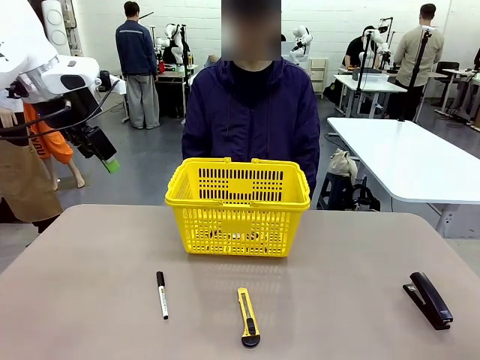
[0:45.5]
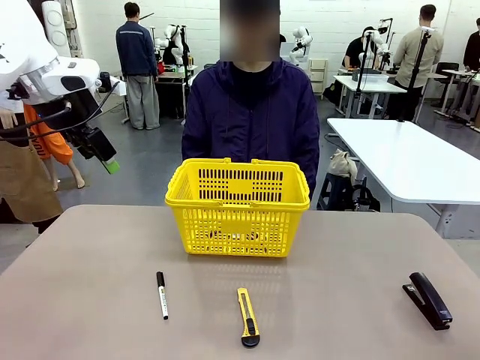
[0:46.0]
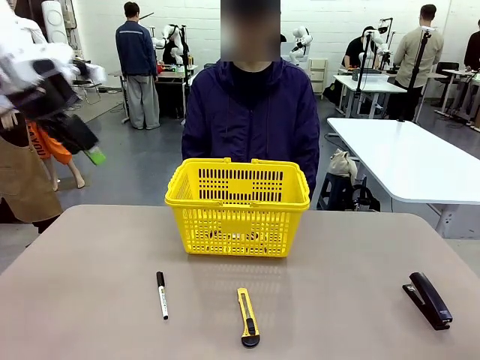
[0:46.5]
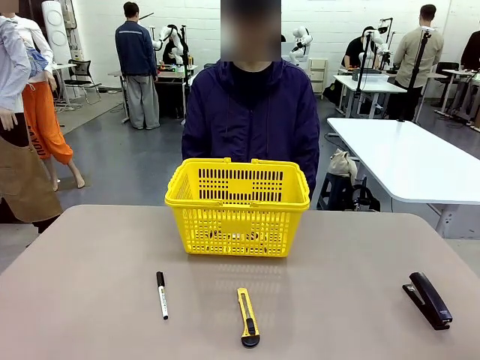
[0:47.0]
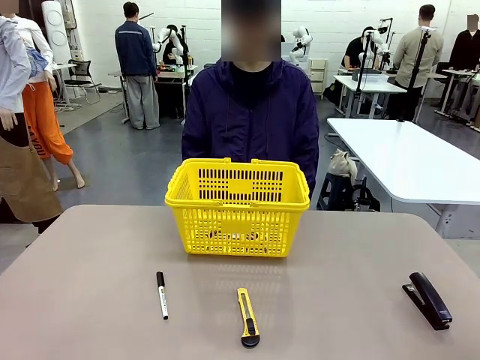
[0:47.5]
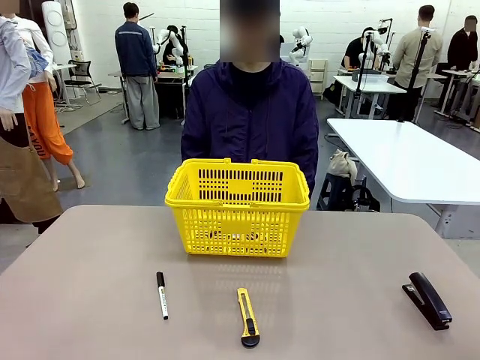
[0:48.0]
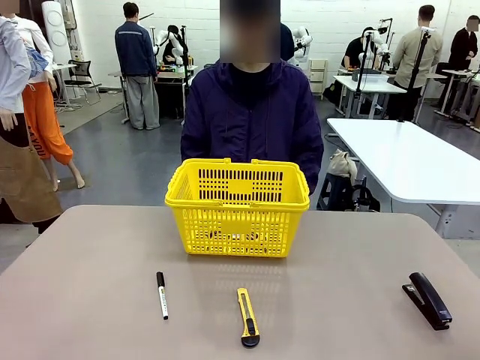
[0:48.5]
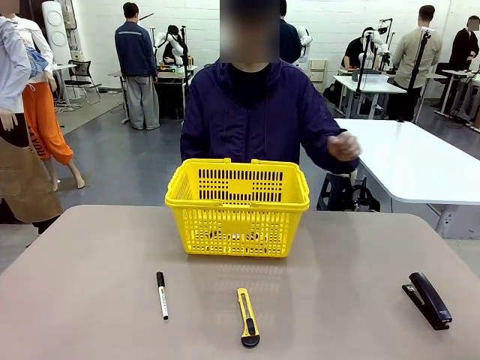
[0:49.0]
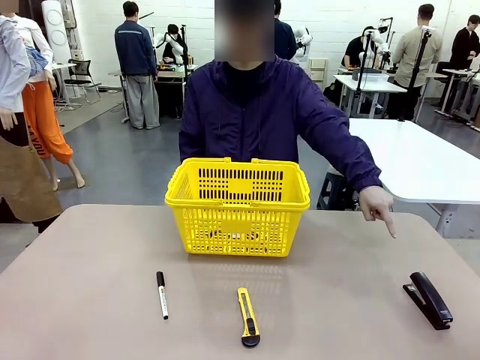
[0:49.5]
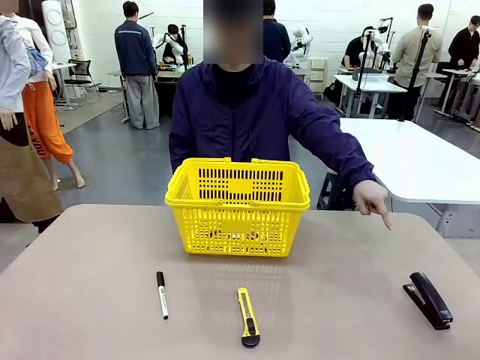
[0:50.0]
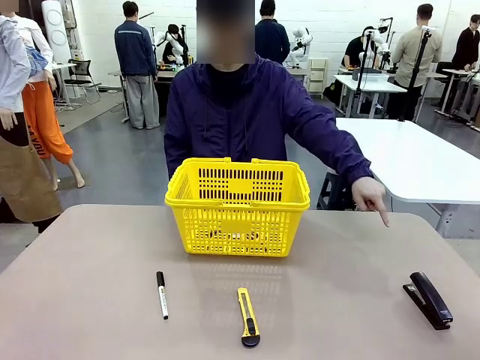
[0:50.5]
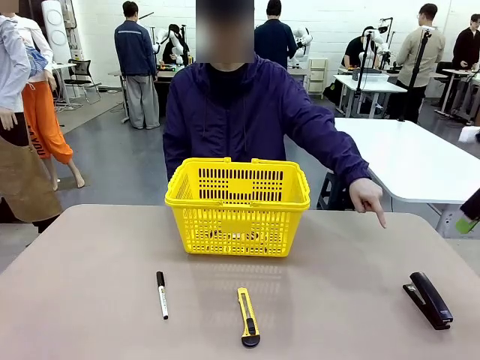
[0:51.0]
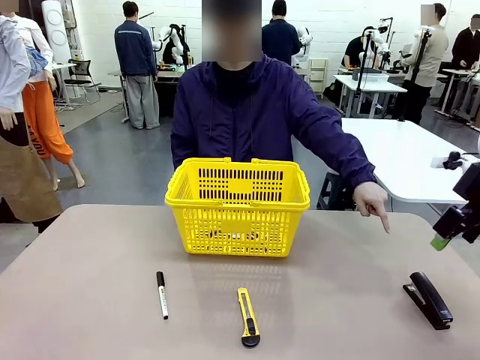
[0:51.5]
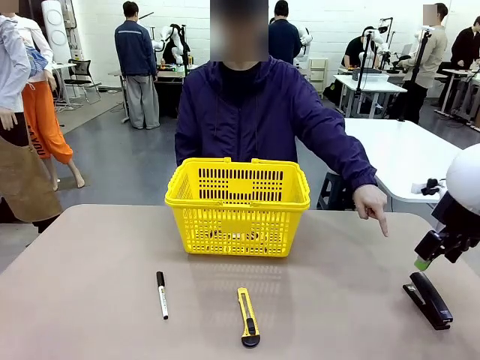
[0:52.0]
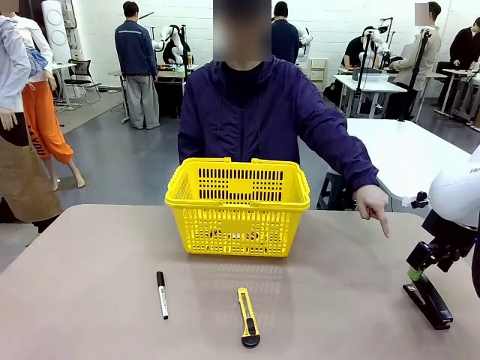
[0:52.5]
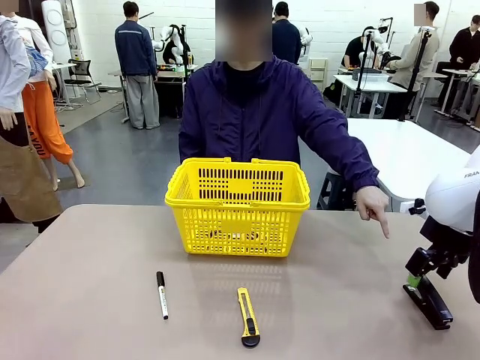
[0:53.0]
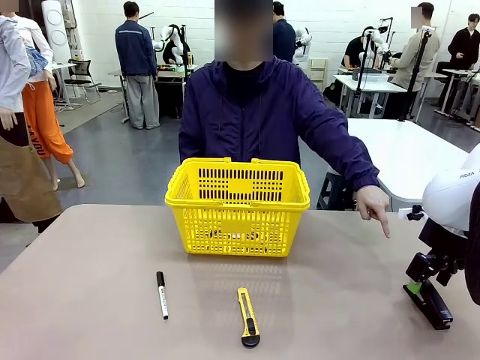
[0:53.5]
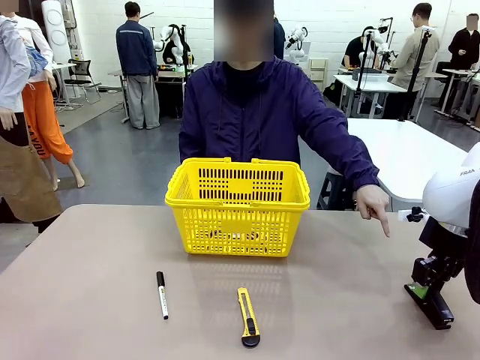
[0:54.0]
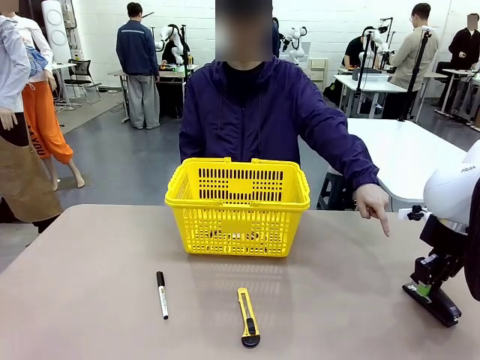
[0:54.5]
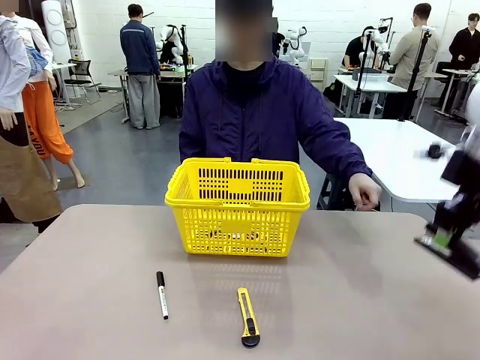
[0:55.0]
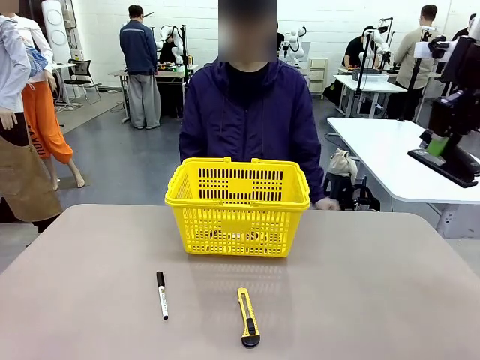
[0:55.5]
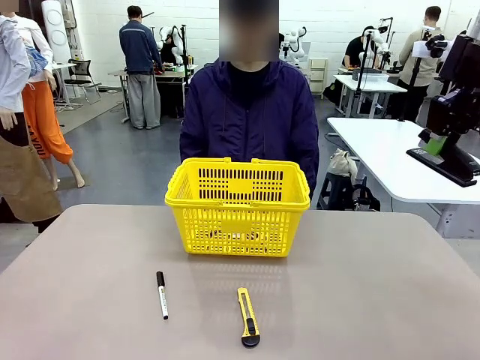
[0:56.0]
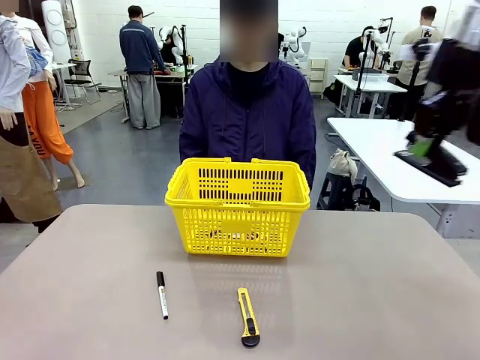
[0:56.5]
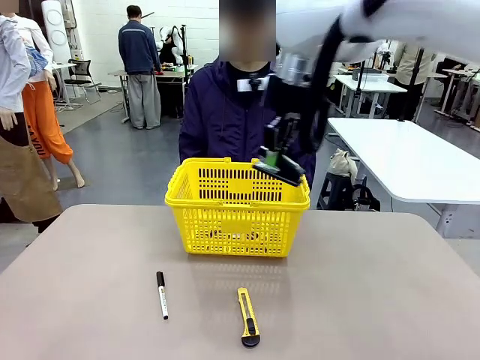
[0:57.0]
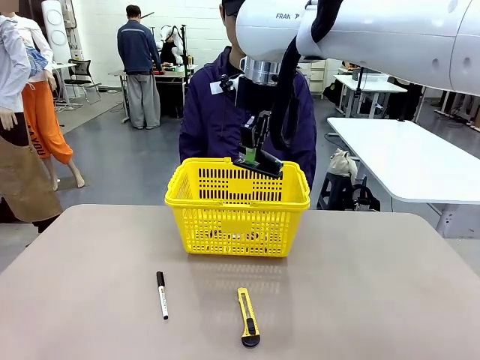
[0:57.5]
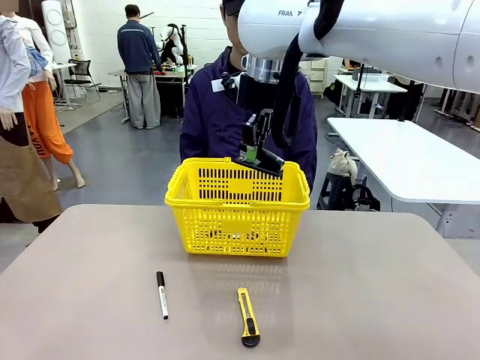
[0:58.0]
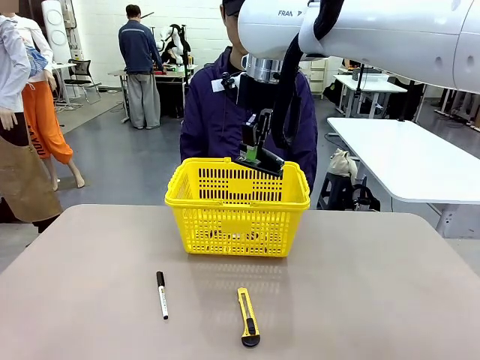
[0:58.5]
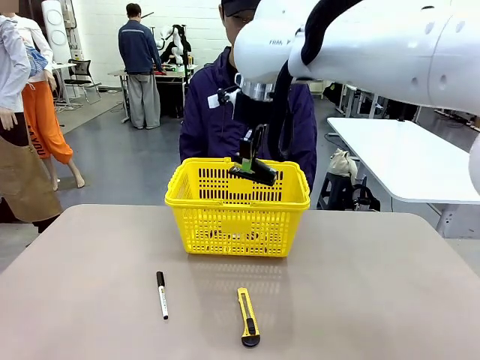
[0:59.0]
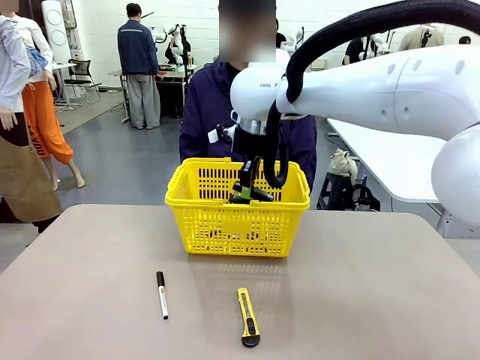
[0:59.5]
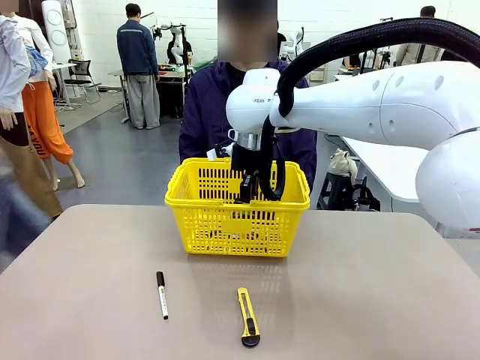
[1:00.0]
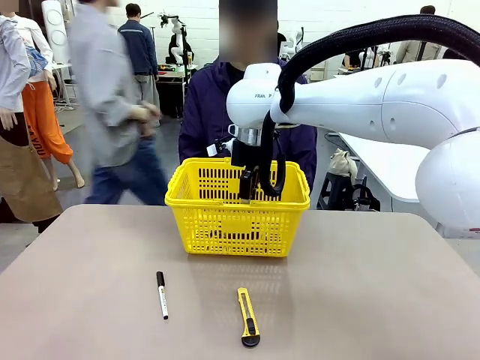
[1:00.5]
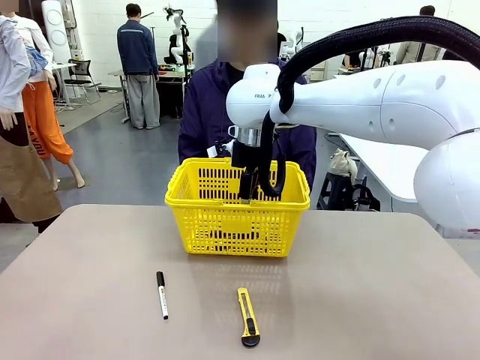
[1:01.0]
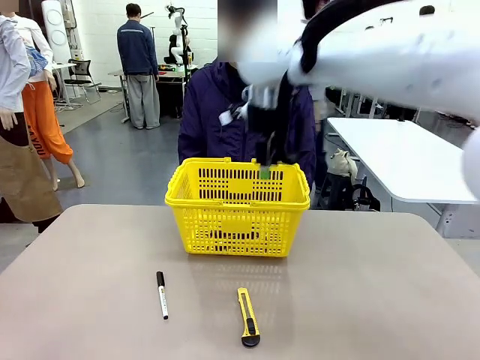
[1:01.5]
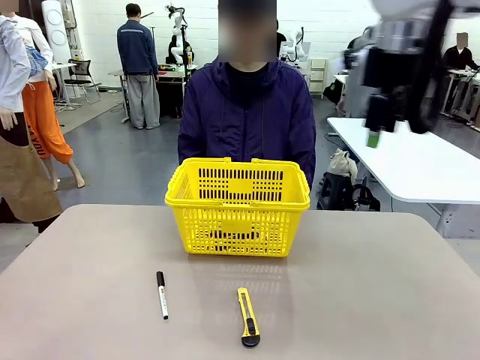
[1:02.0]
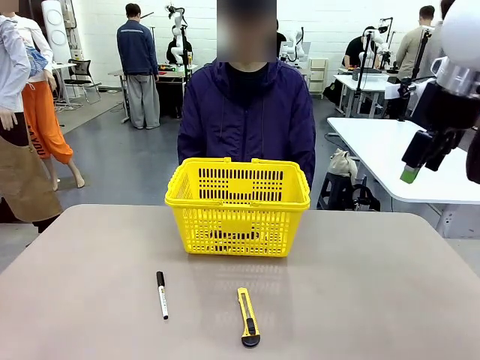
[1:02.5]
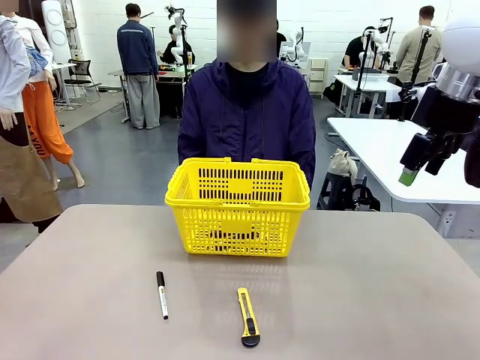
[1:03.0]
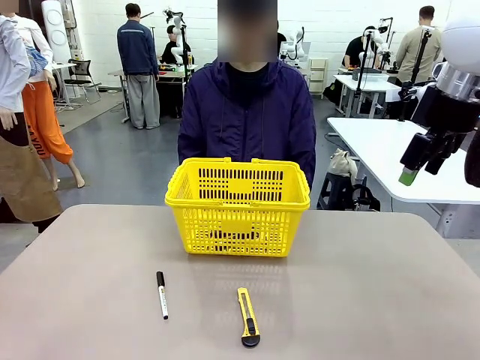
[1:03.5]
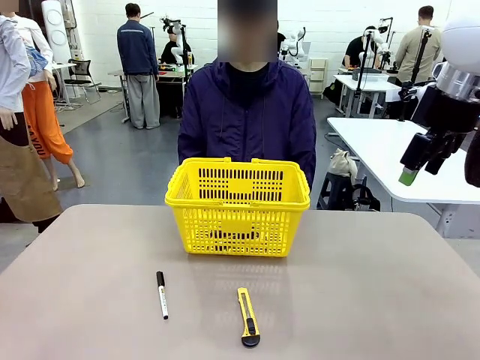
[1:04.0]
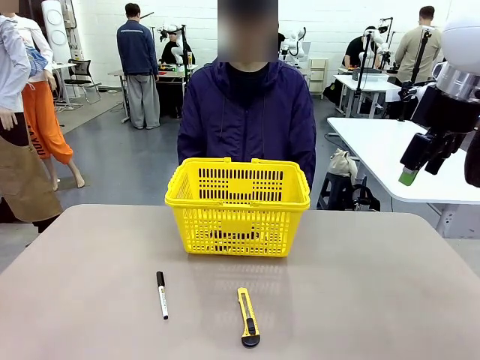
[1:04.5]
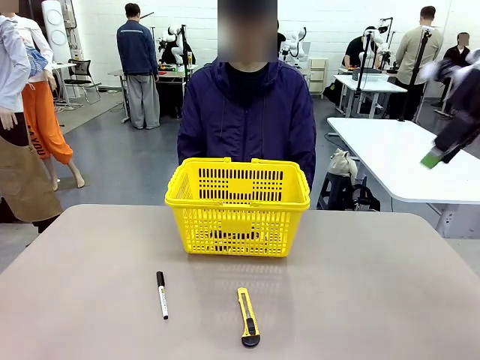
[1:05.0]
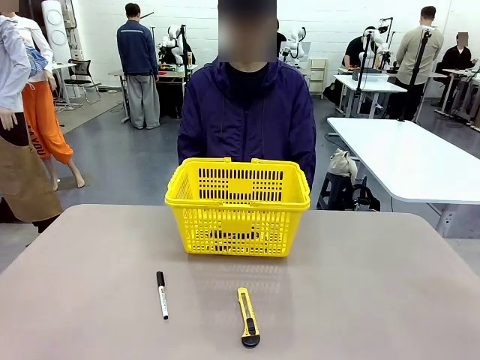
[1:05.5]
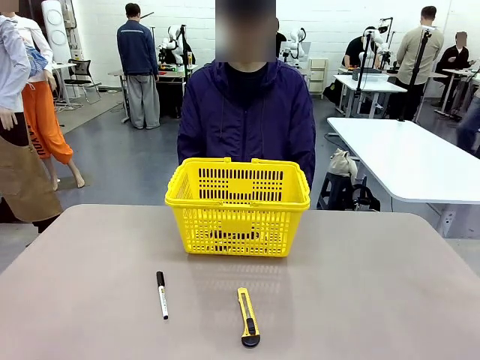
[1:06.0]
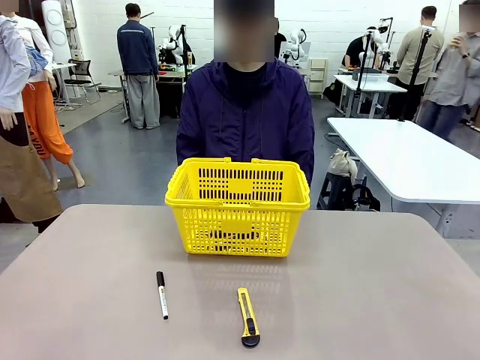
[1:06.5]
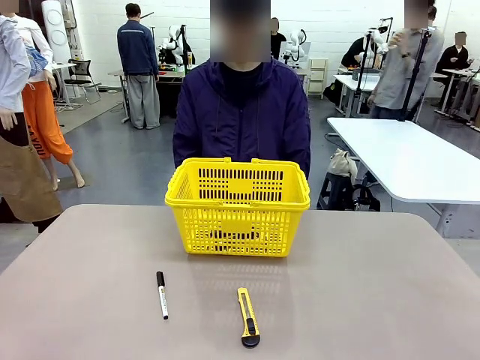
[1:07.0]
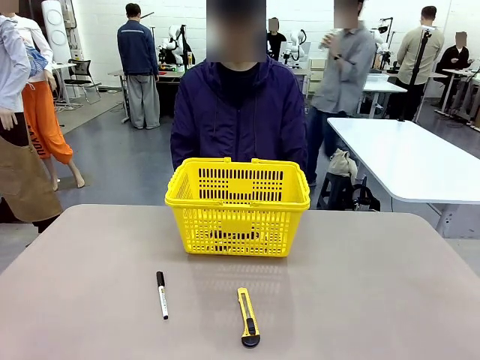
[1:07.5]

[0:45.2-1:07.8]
Task: Place the items the person wants into the basket.
Robot: Pick up the item the person points to and place it in the Market Basket.

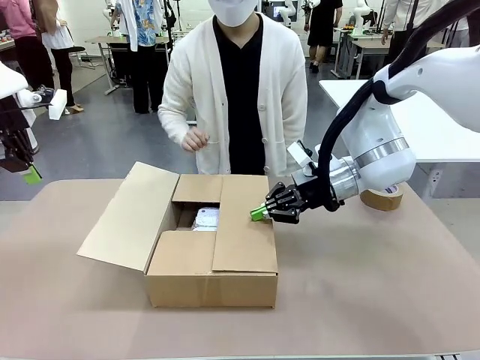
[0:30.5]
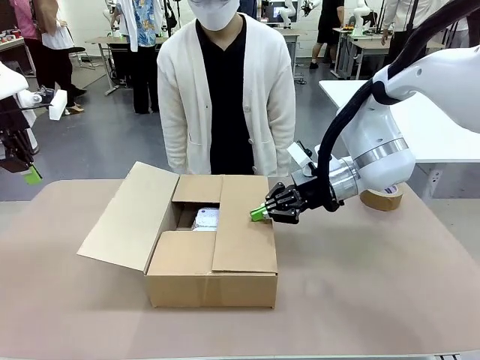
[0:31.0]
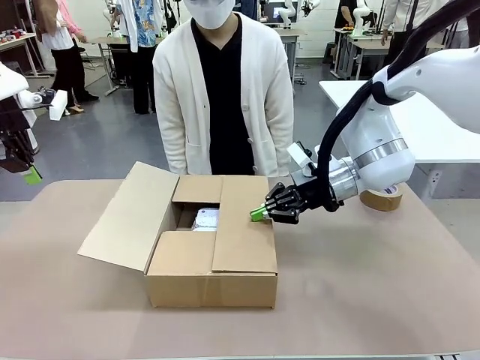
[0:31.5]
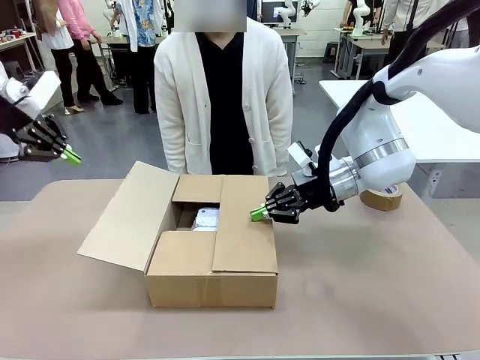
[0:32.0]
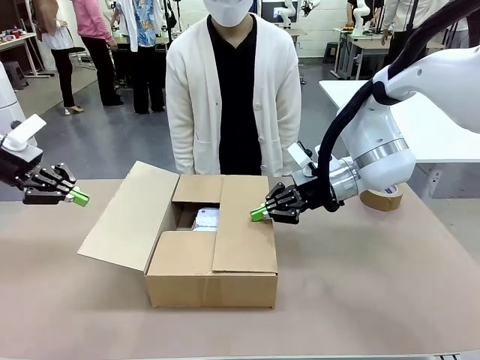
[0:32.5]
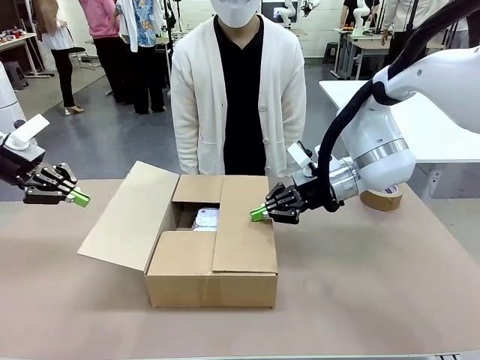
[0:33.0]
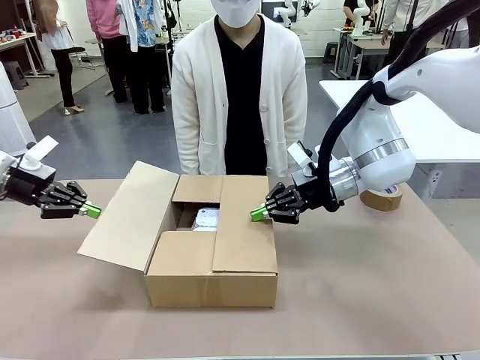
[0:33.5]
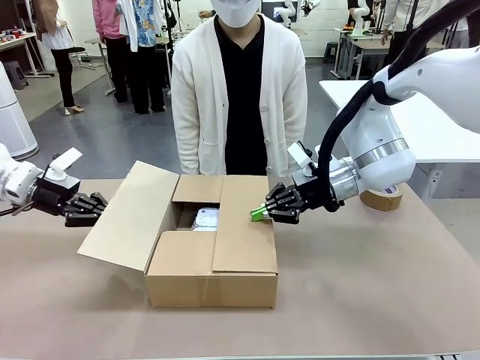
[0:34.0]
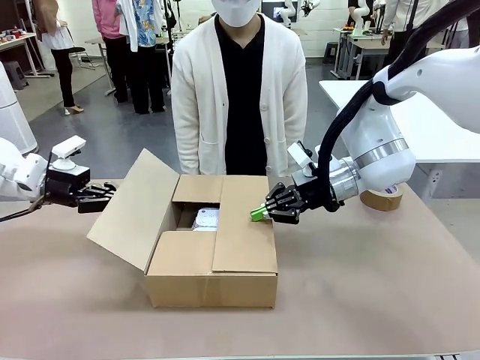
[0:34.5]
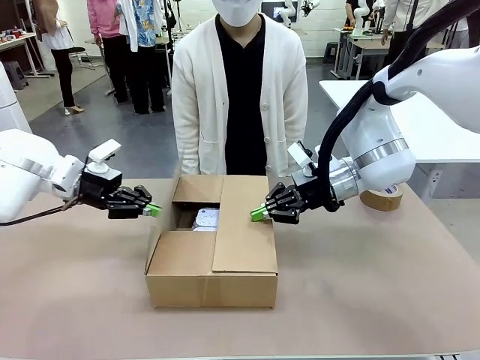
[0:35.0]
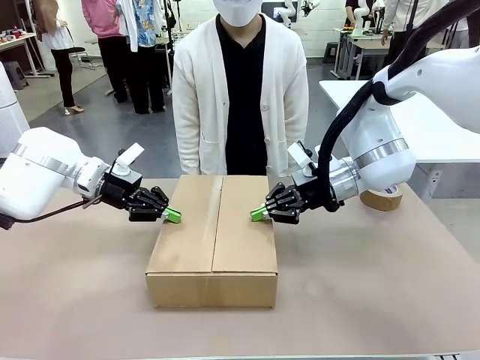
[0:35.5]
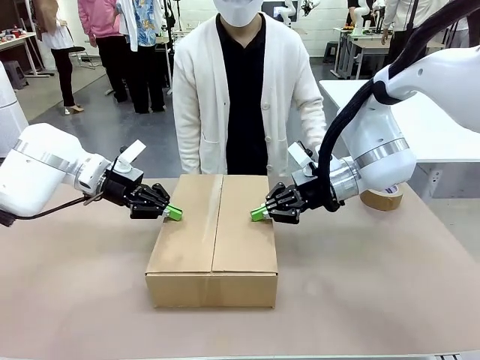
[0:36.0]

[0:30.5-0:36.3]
Task: Wrap the clocks to prevent damage.
Robot: Push the left (or right) flap of the Package Box to close it.
